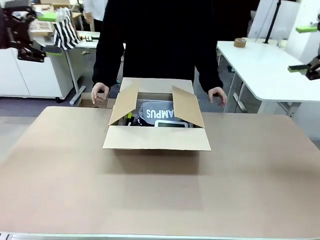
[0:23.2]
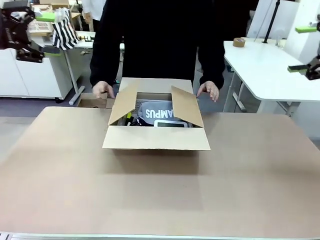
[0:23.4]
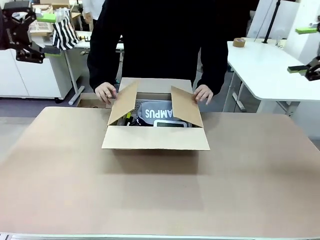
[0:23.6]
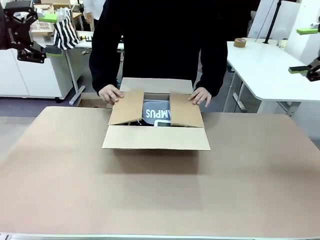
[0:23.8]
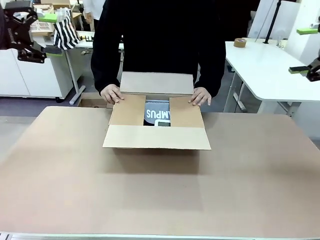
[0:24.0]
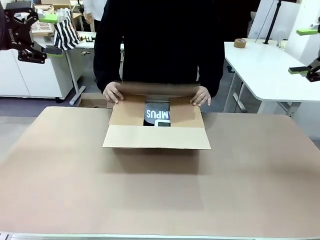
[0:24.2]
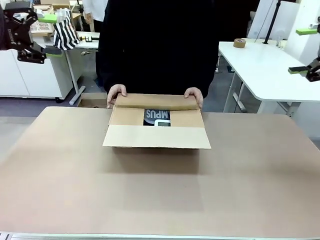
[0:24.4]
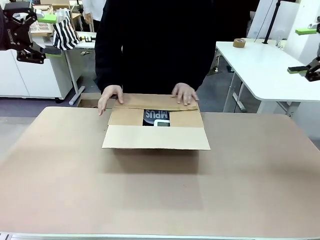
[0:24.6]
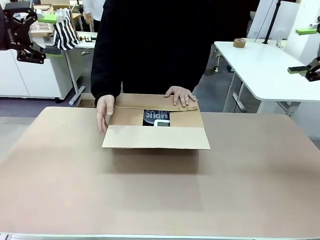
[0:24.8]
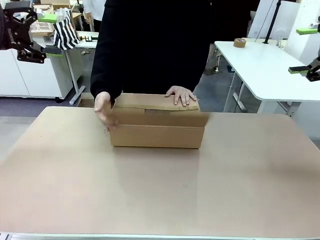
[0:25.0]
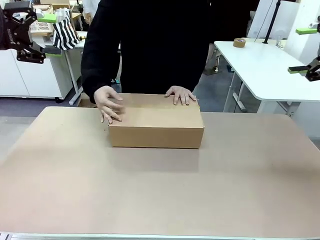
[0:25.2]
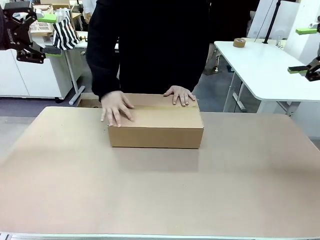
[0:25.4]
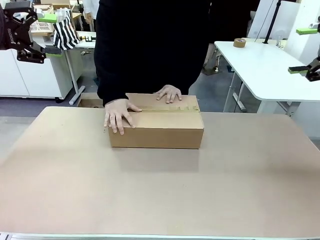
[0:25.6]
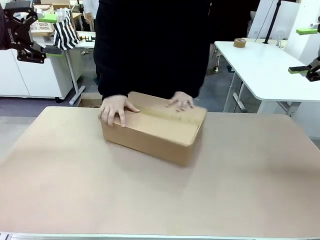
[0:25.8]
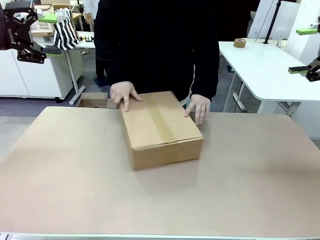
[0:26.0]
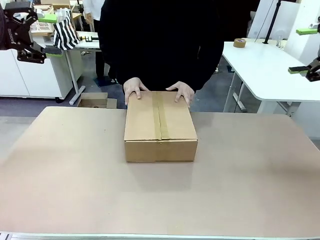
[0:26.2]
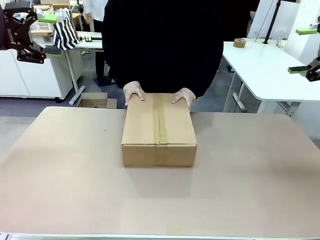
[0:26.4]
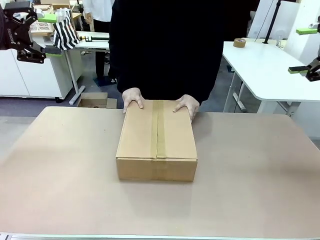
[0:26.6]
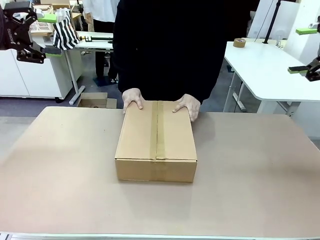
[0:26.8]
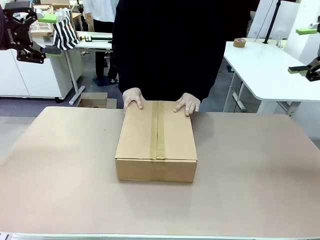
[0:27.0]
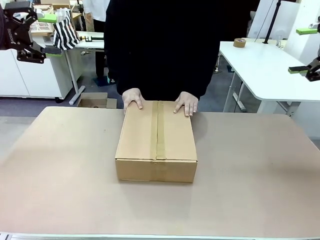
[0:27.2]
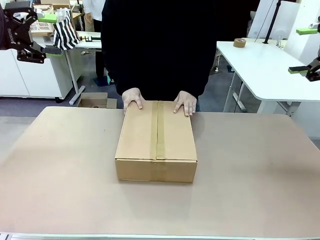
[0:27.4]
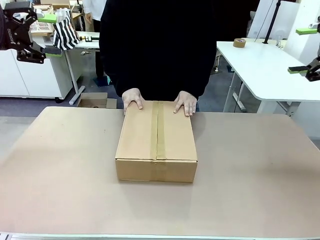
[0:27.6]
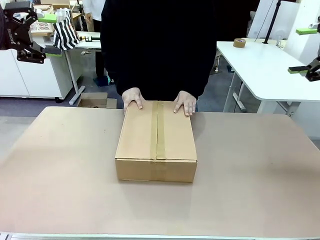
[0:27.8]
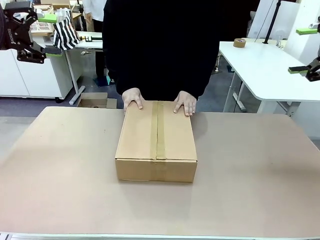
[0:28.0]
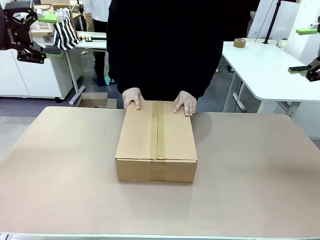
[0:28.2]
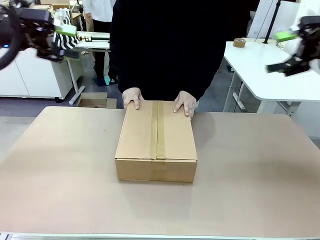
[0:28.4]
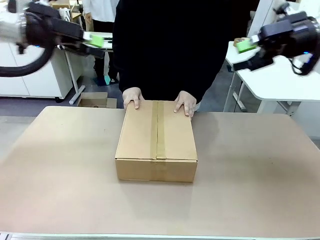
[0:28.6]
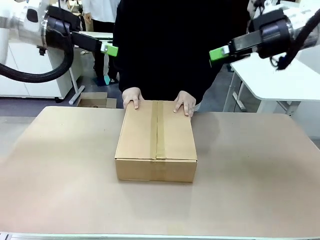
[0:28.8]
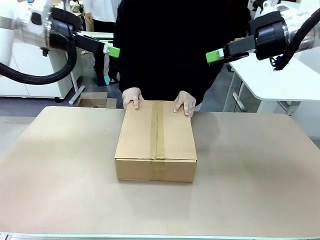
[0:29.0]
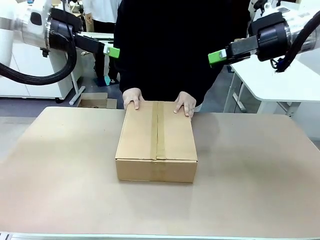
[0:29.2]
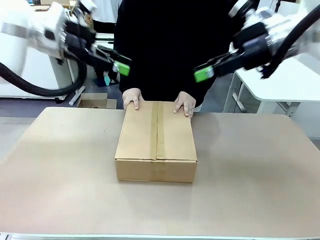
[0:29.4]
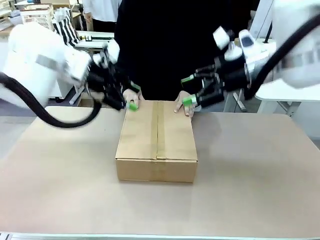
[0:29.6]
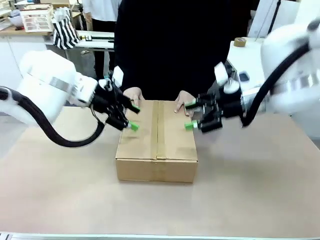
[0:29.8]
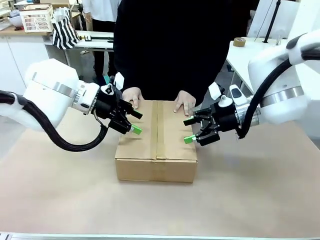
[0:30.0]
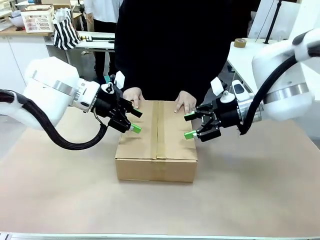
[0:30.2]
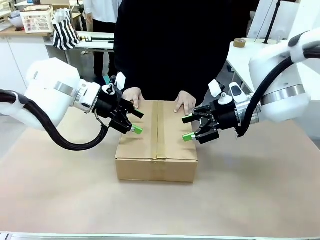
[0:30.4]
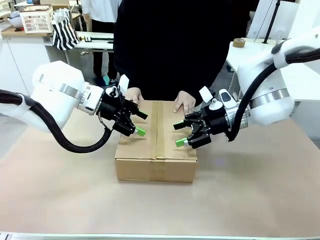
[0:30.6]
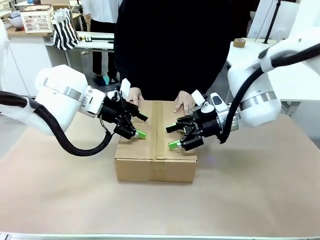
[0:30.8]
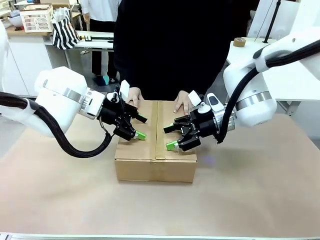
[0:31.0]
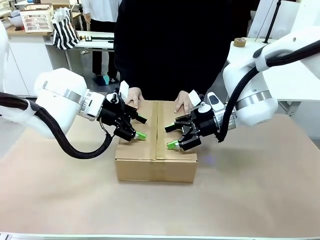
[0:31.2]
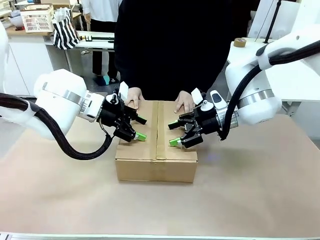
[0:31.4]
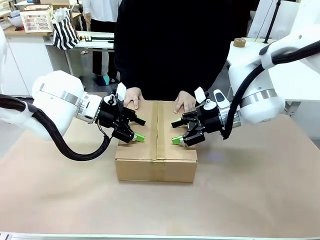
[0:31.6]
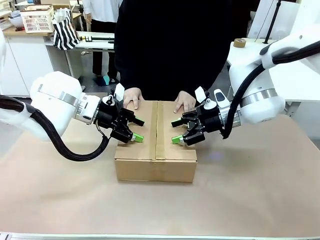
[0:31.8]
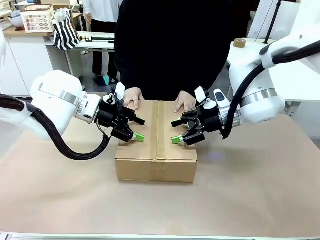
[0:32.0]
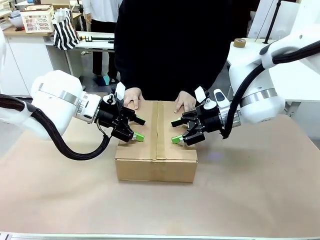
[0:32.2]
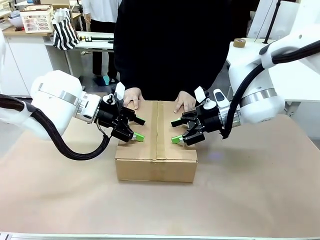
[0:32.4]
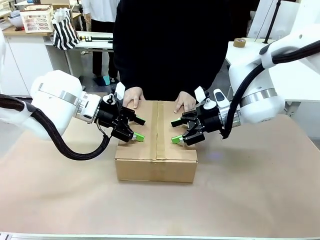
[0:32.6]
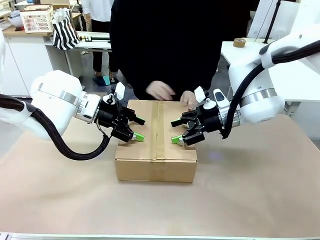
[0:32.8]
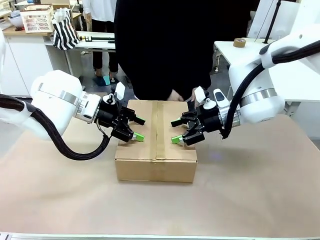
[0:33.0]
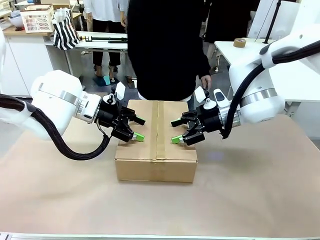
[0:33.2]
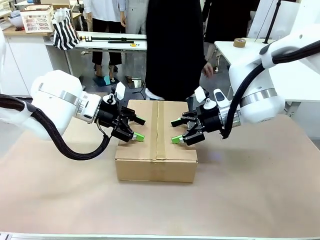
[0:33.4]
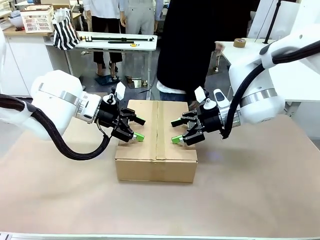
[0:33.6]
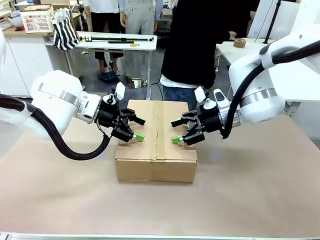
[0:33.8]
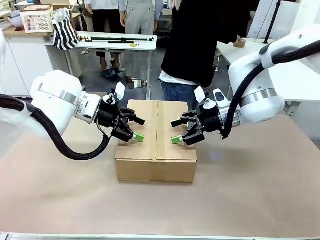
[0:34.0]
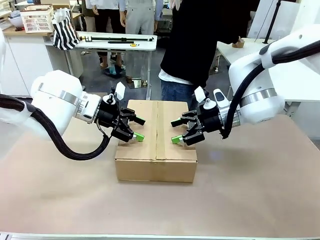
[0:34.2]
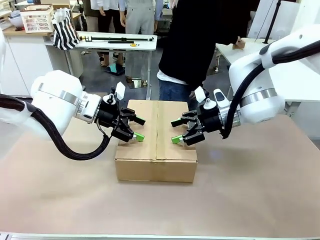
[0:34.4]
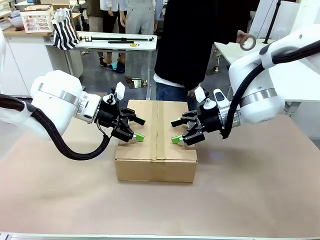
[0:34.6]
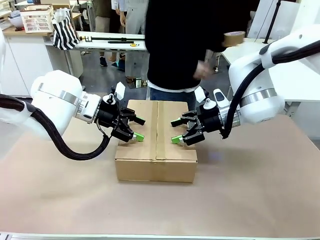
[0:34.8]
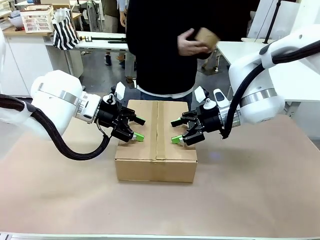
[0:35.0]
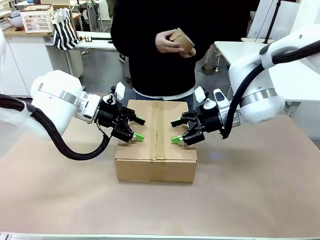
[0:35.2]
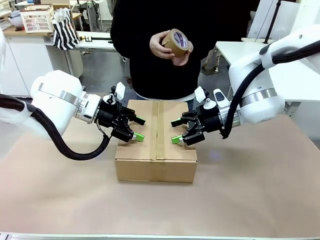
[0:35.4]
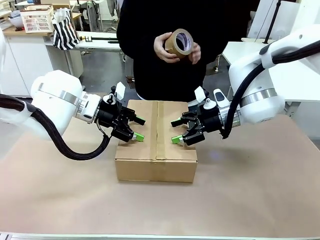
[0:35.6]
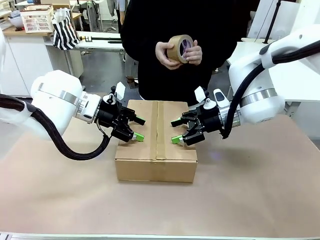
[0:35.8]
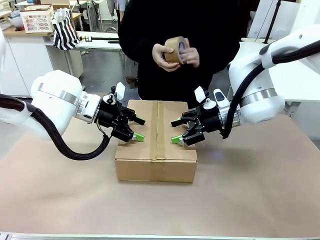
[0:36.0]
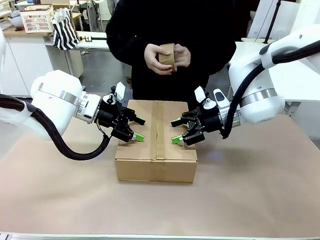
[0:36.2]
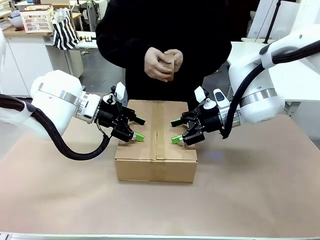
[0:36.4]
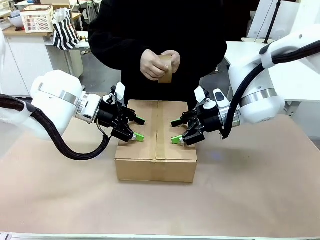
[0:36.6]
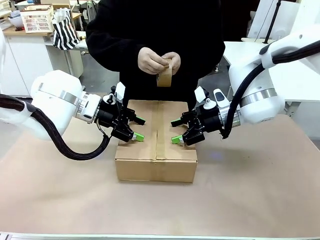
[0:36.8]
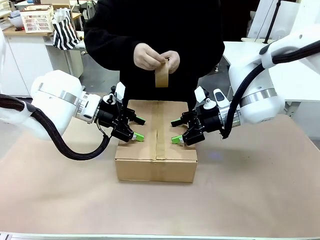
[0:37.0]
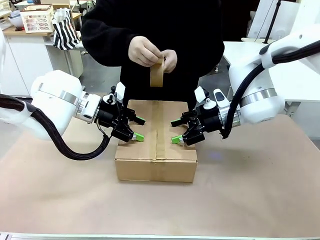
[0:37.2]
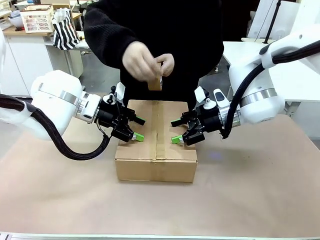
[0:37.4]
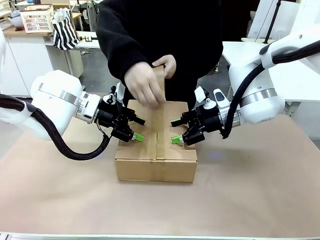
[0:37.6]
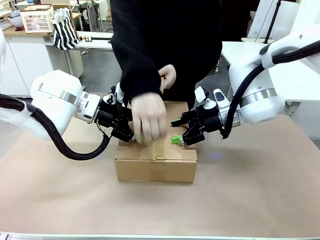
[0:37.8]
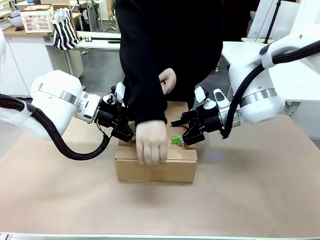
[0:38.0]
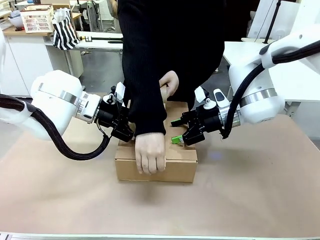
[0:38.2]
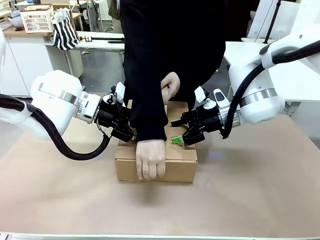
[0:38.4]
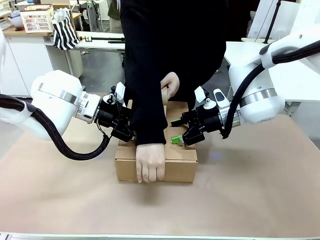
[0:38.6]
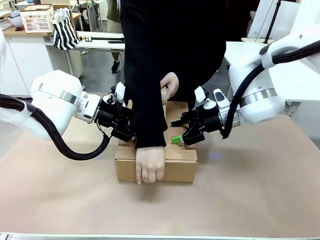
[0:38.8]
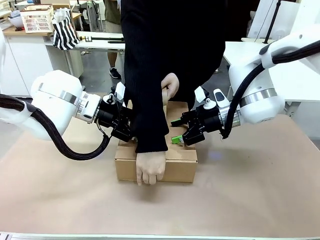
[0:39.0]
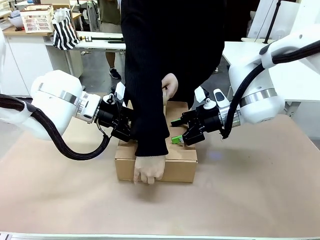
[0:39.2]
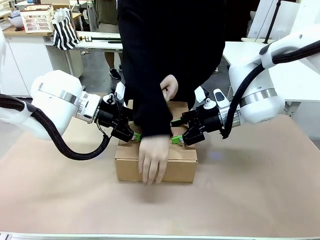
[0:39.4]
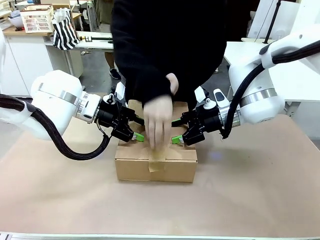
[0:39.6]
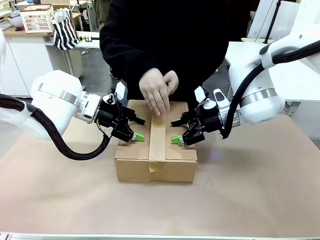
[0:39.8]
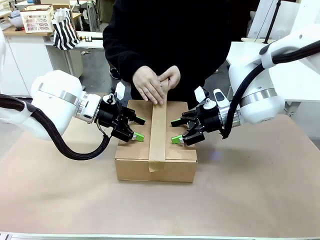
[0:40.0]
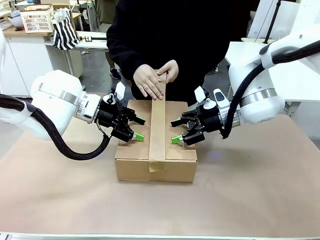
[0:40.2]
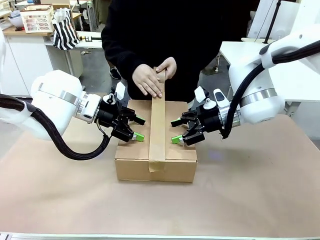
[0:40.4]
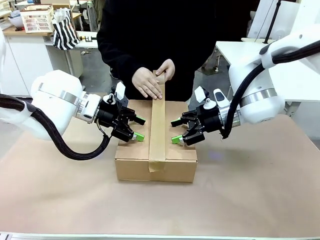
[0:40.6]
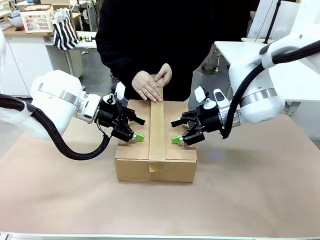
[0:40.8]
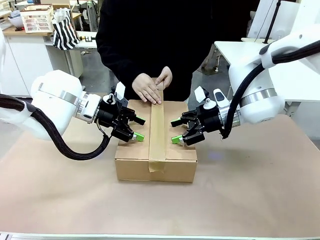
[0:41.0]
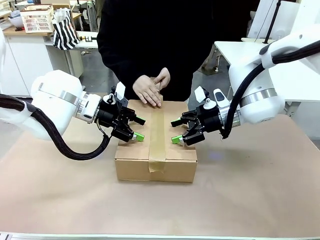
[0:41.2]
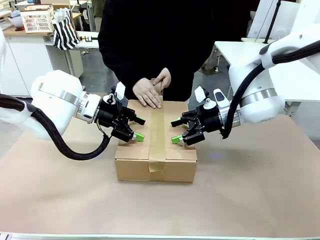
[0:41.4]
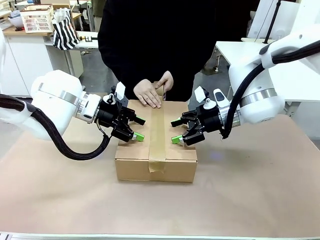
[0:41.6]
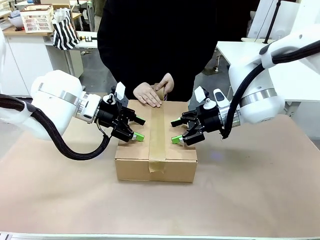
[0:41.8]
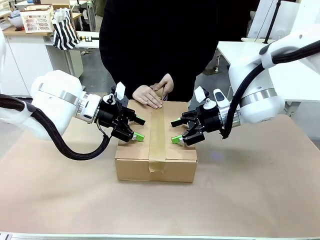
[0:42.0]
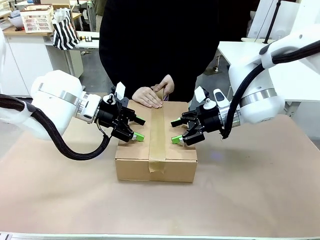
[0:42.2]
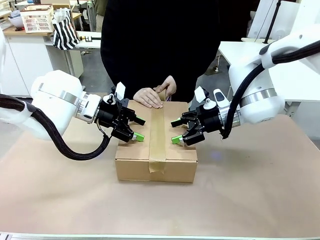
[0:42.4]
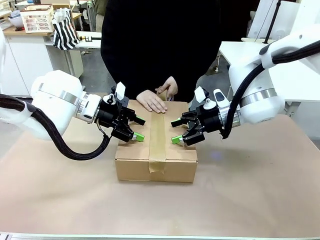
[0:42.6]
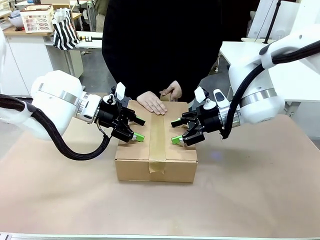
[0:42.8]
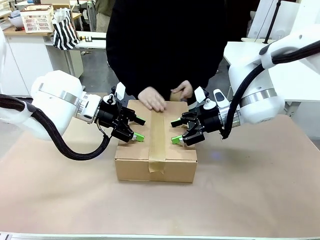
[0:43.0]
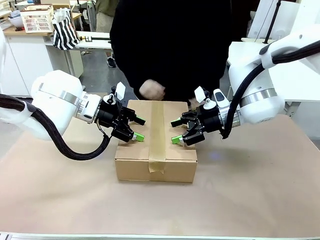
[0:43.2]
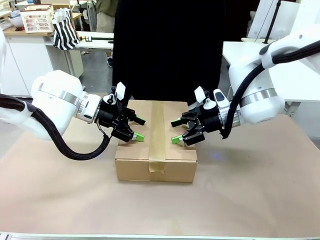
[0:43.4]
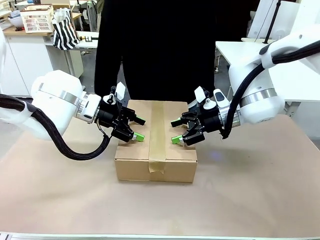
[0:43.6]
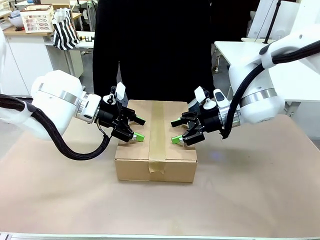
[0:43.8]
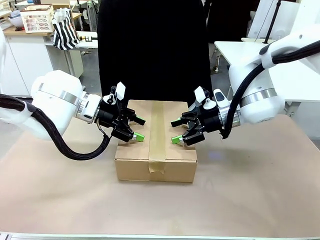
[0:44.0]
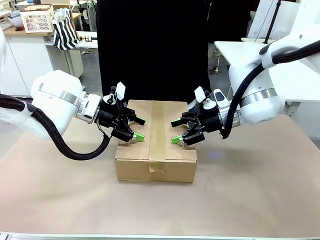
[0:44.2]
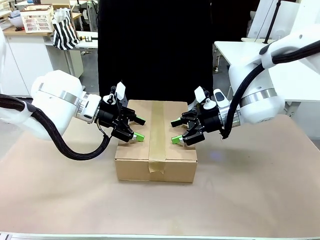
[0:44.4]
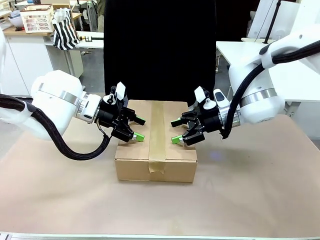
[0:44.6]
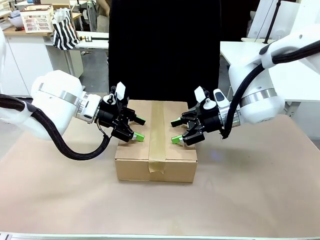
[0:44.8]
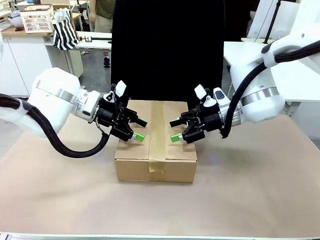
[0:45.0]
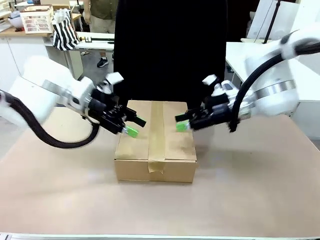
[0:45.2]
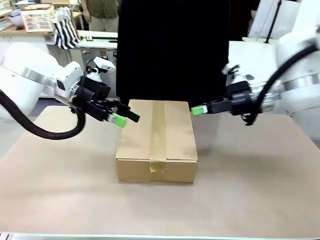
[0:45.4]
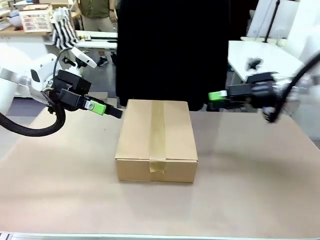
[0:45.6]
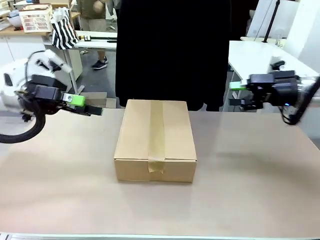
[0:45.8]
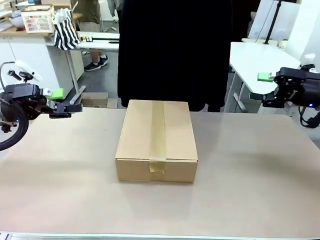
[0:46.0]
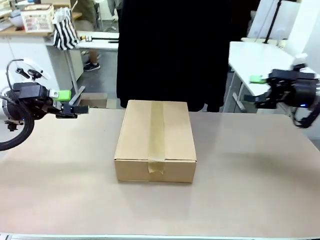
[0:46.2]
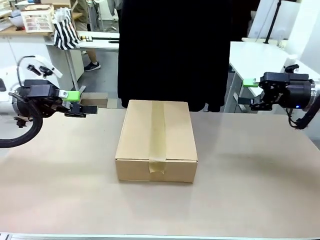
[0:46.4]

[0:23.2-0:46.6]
Task: Pack the gift set into the box.
Robot: Press and hold the closed box until the human finishes sealing it.
Person: The human closes the box and rotates the box by 90 degrees. The human picks up the paper tape from the human table and packs the box.
